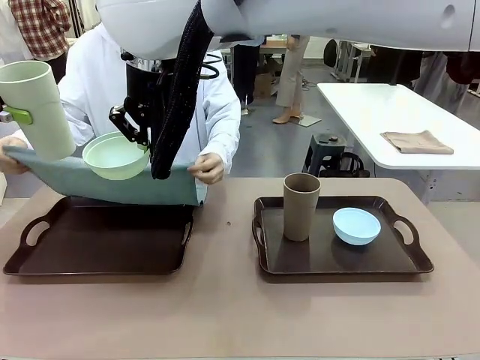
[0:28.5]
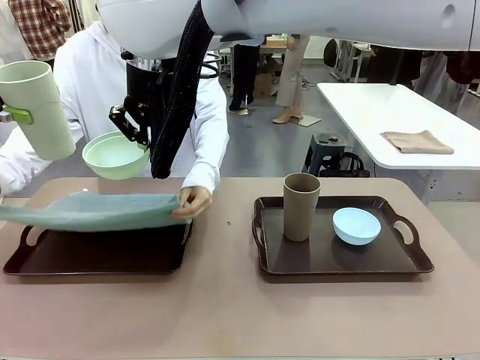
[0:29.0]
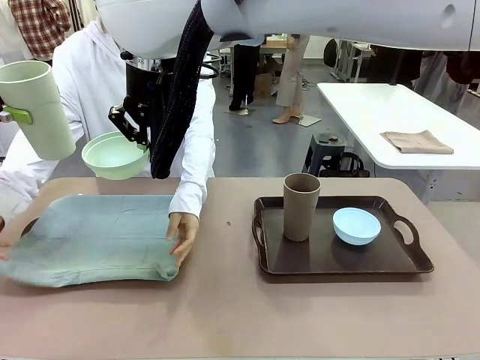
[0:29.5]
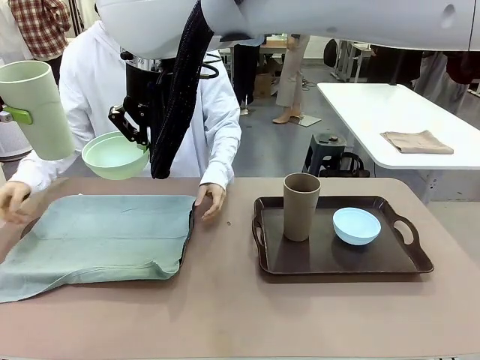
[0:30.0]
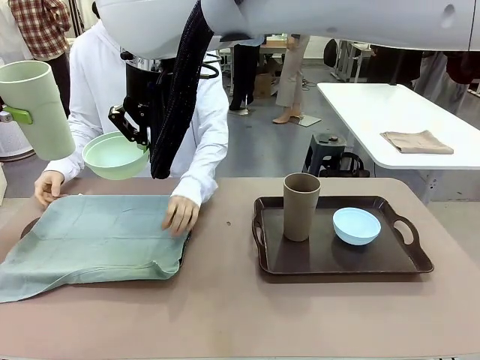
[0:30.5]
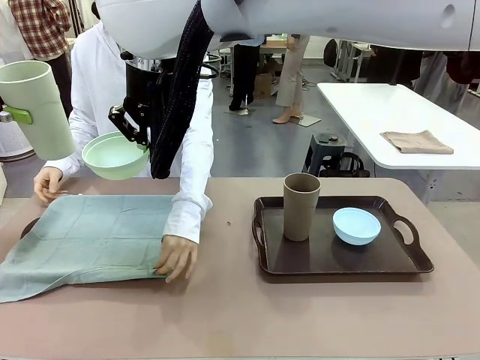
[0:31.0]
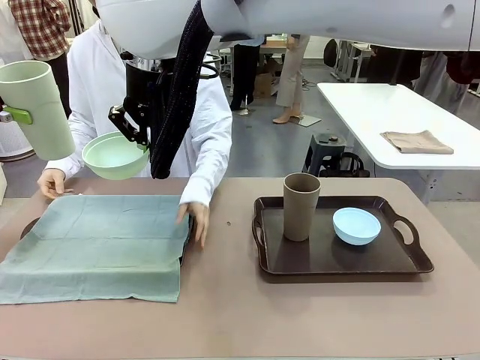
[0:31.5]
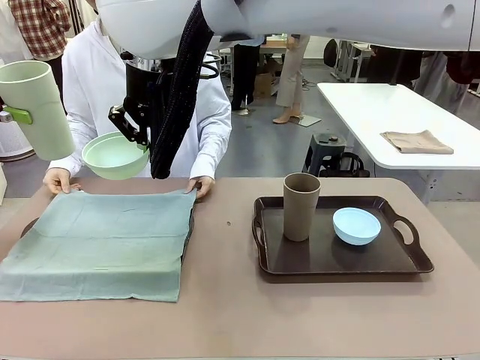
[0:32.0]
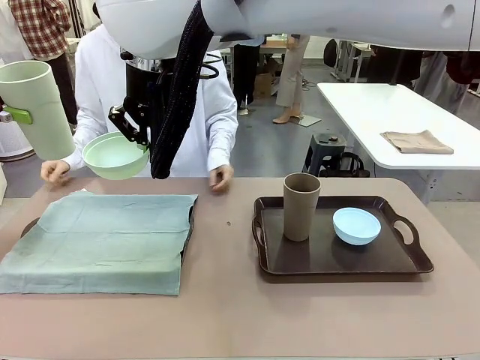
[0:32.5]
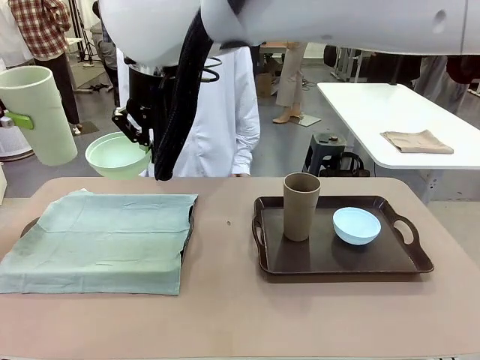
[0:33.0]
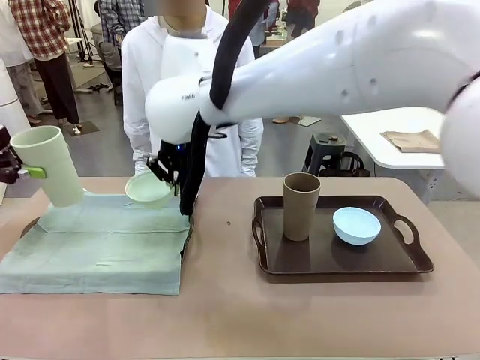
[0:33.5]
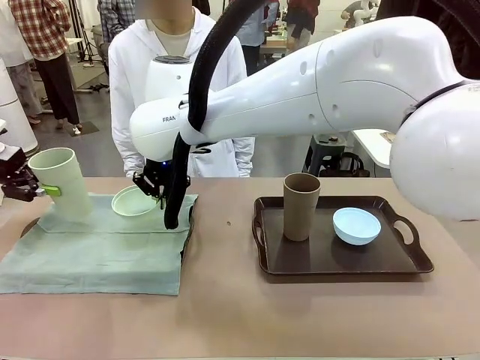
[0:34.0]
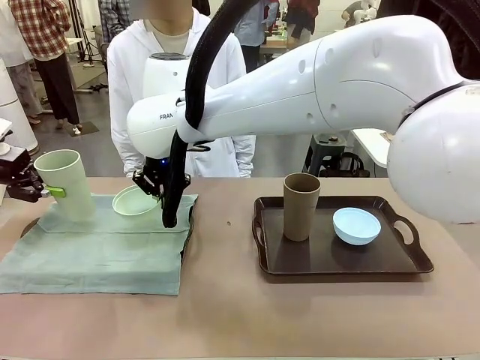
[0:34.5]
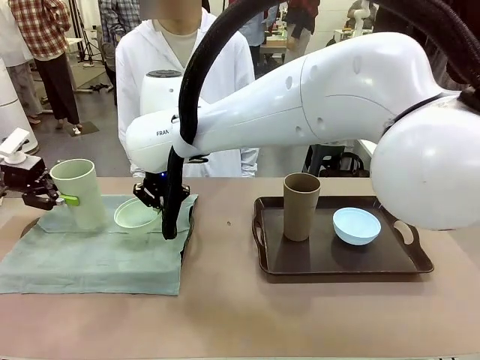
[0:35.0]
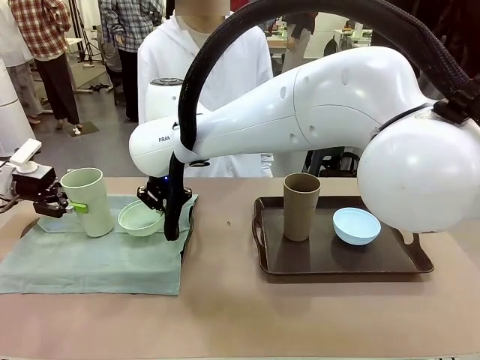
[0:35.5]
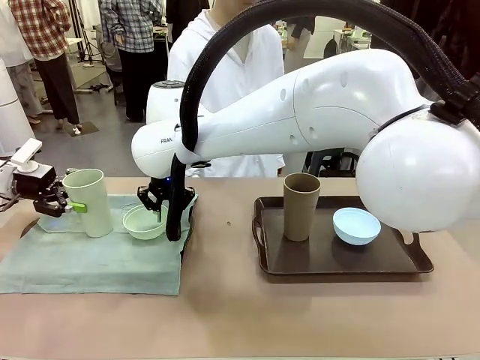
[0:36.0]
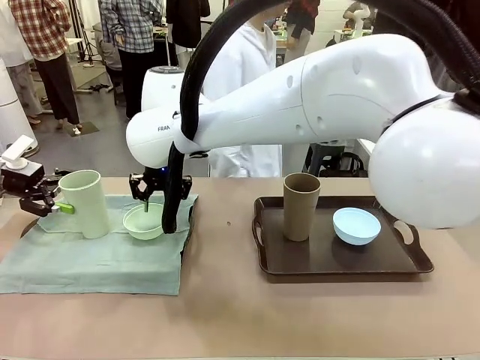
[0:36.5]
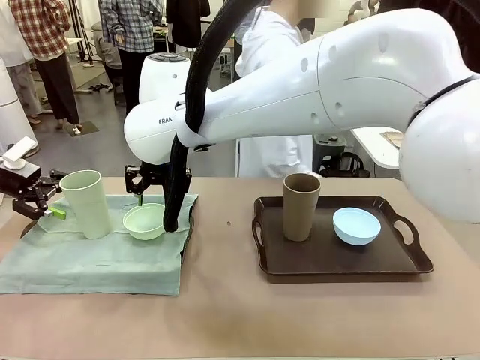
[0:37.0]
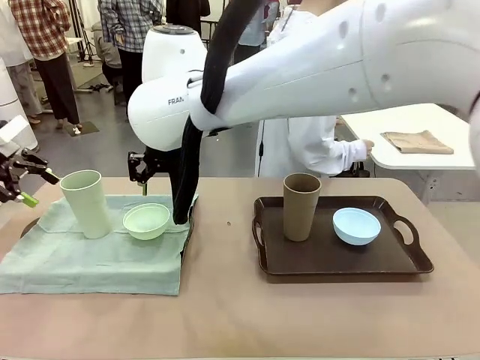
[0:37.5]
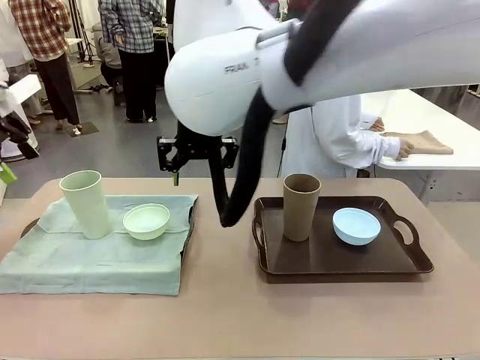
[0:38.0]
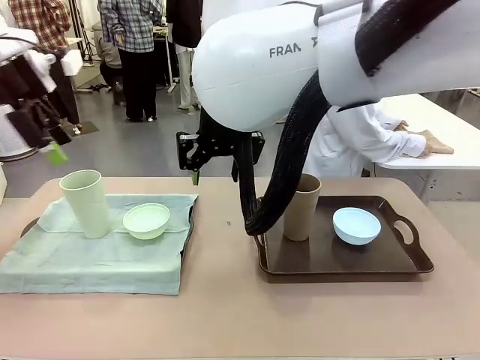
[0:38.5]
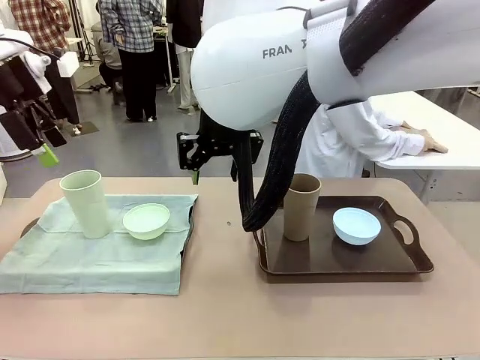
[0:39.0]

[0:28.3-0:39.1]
Robot: Place the Picnic Bowl and Reusable plastic cup back onto the Handle tray in front of the human's position.
Person: The human returns to the human table to pick up another napkin and walks to the robot table to stand in front of the tray without a napkin.

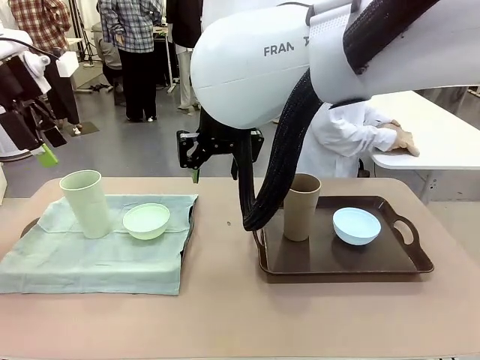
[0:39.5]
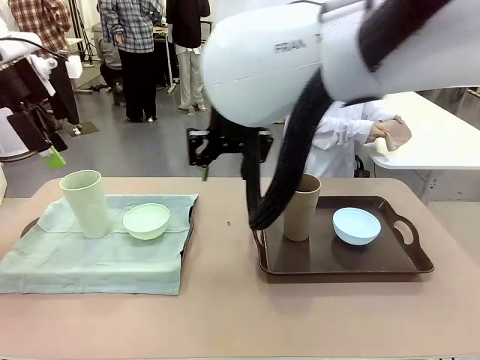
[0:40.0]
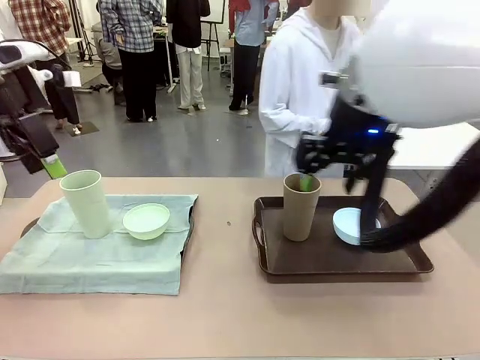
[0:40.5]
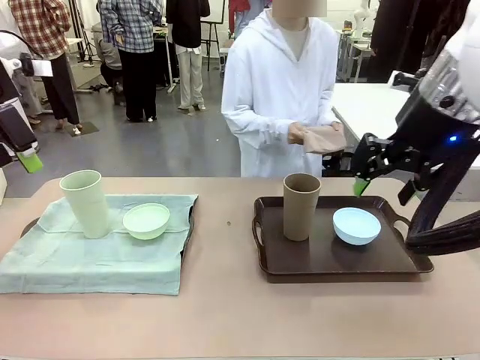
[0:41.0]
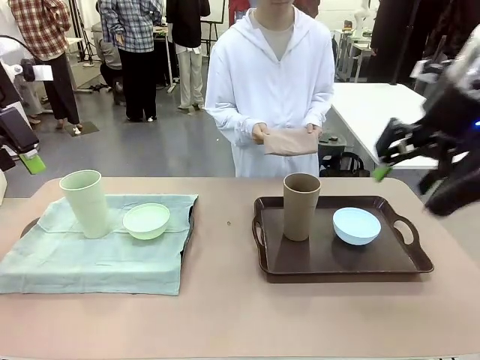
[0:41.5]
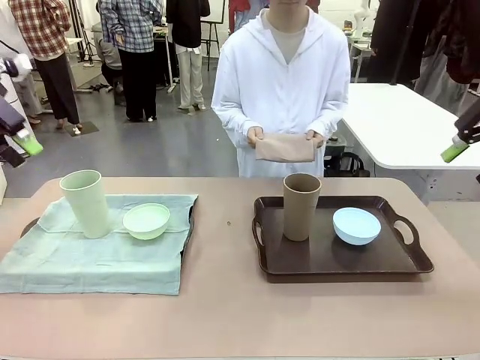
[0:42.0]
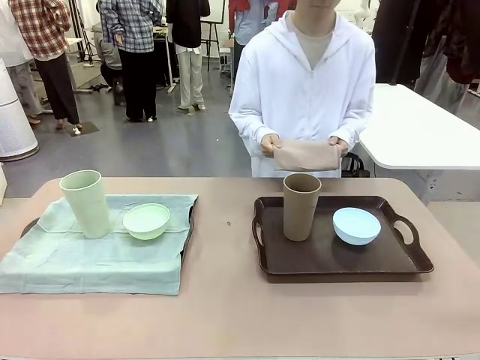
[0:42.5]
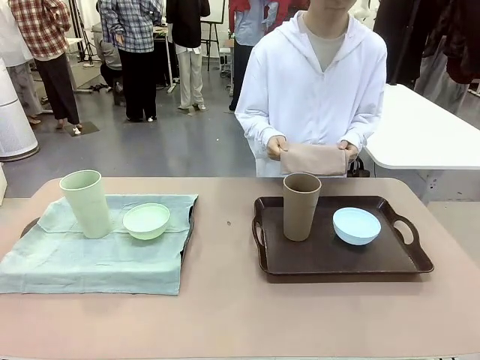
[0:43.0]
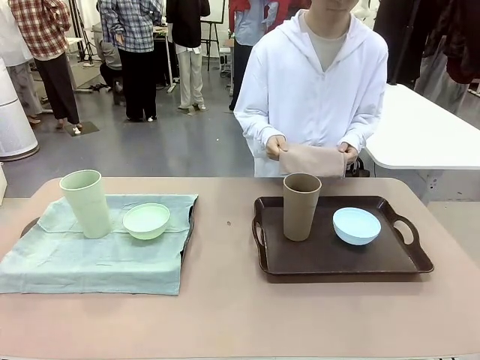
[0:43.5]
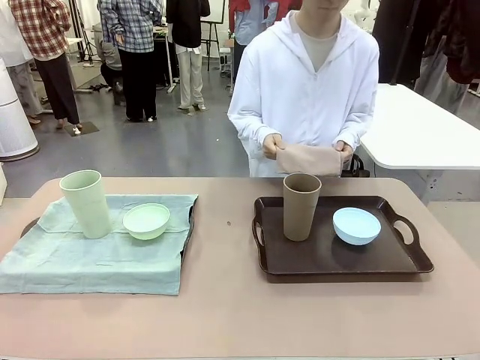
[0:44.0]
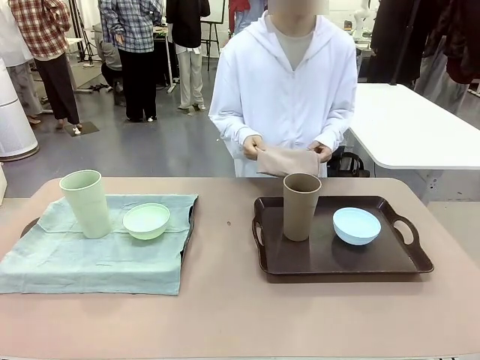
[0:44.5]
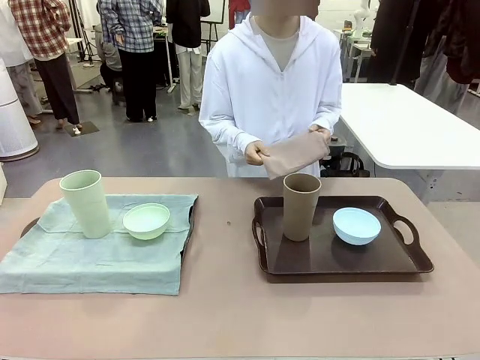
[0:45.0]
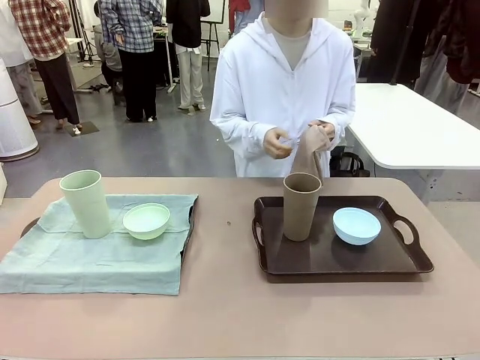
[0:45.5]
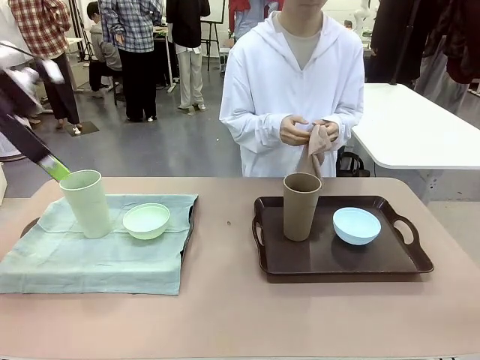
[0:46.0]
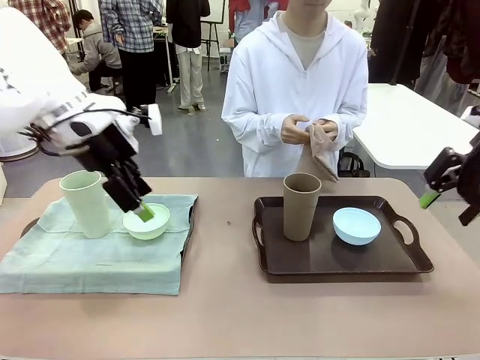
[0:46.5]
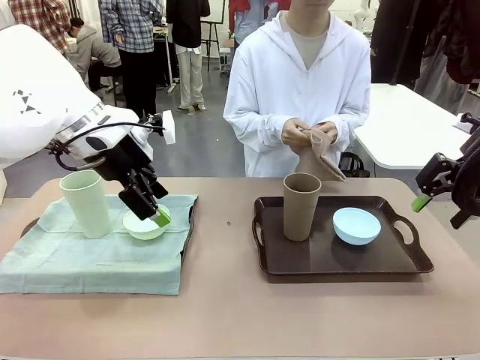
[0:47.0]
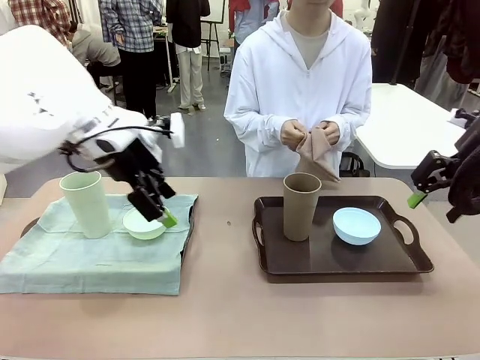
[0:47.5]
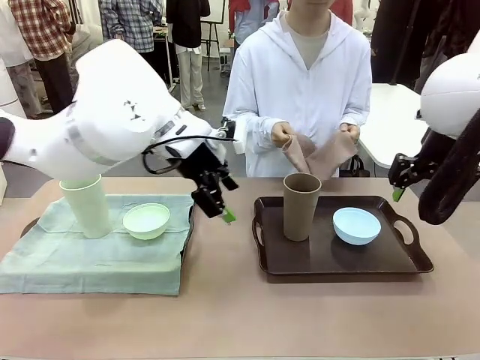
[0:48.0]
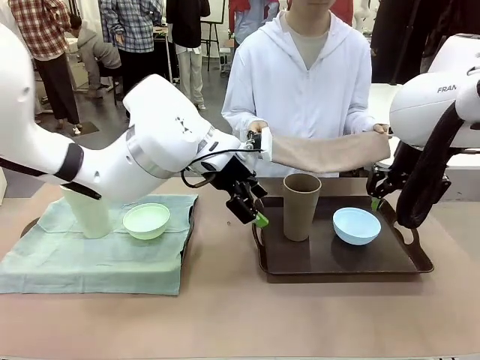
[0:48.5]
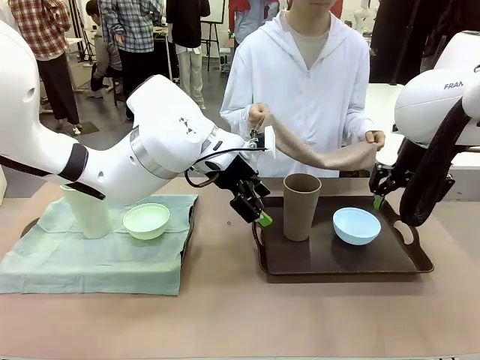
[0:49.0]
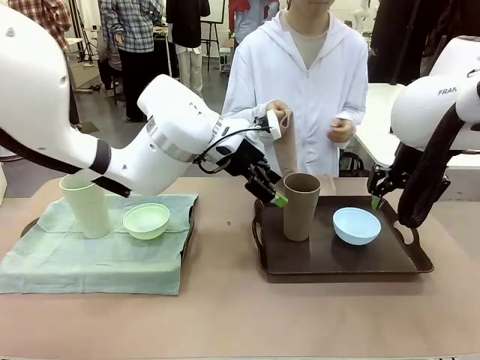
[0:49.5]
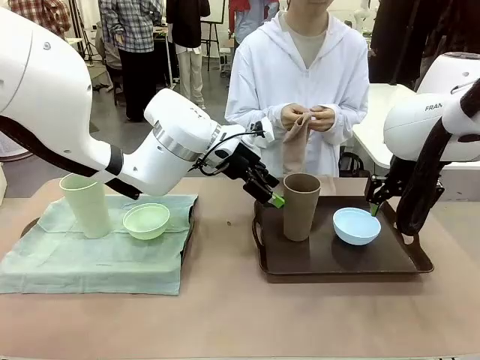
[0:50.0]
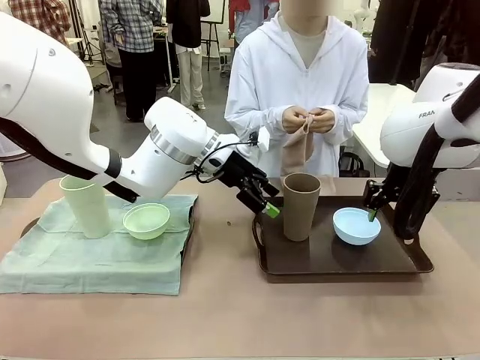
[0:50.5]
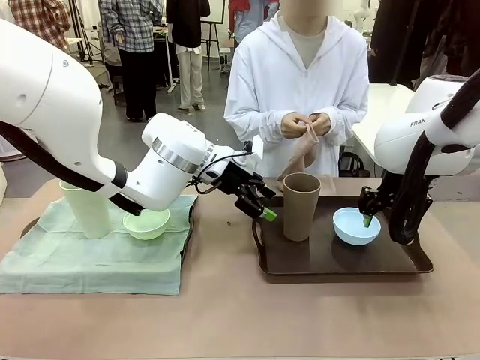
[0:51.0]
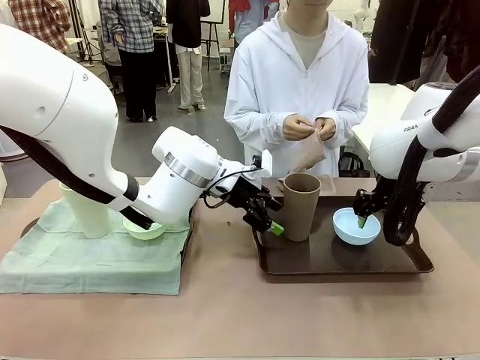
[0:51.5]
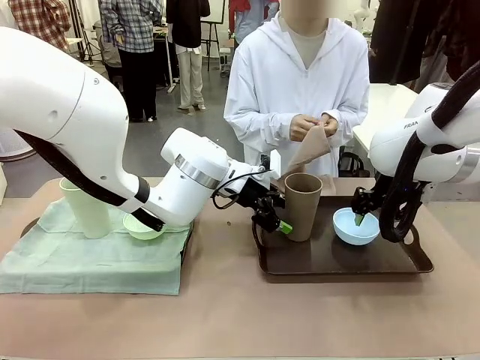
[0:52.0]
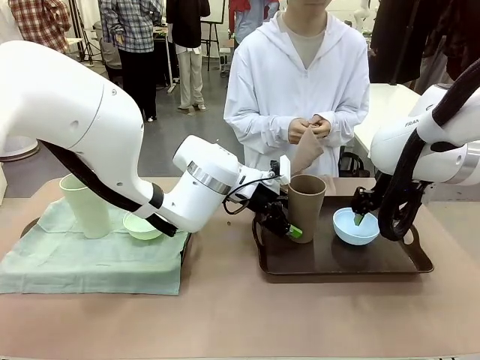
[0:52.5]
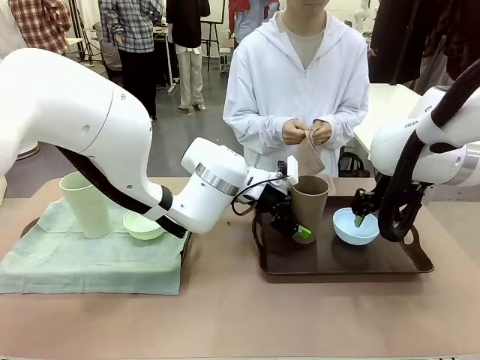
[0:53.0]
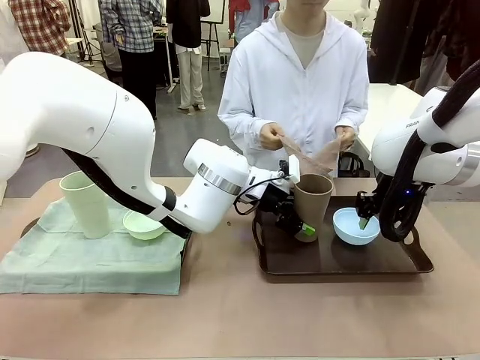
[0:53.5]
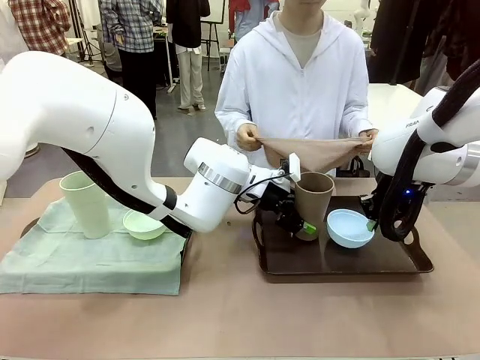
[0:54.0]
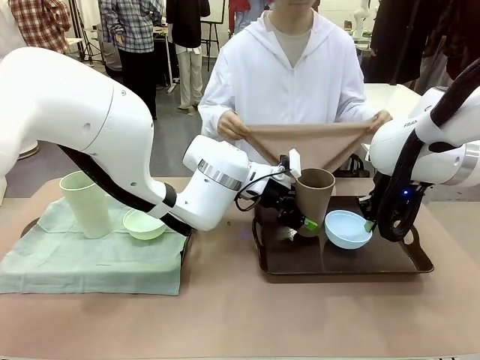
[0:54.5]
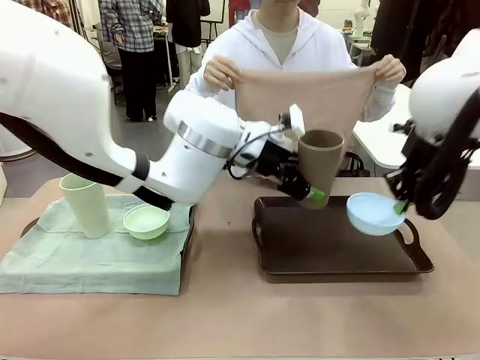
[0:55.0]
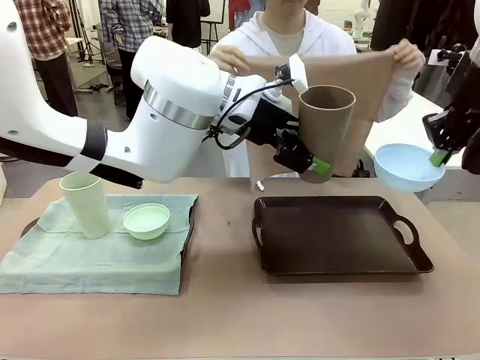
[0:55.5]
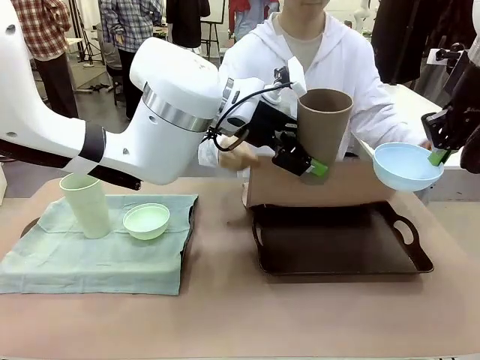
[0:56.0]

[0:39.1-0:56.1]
Robot: Pick up the Picnic Bowl and Reusable plastic cup from the Handle tray in front of the human's position and hold them in the air.
Person: When the robot lifts the bowl and the cup, the human unfolds the napkin and lays the napkin flat on the tray.
